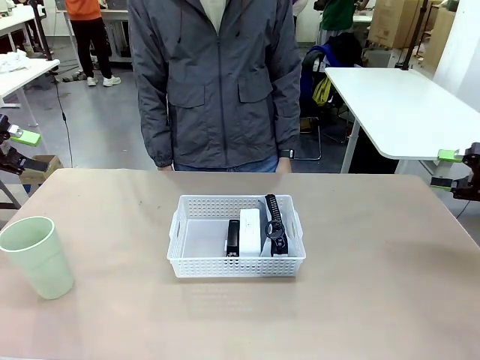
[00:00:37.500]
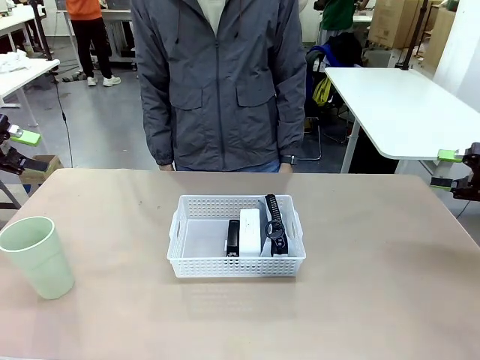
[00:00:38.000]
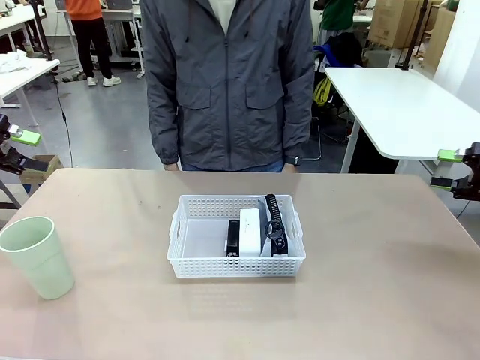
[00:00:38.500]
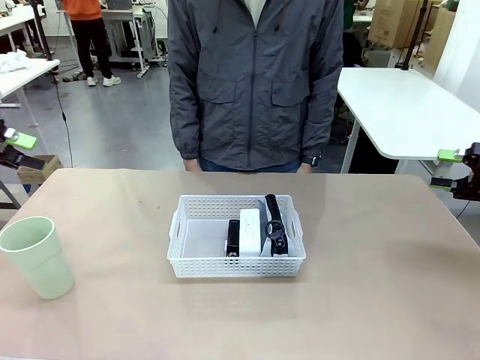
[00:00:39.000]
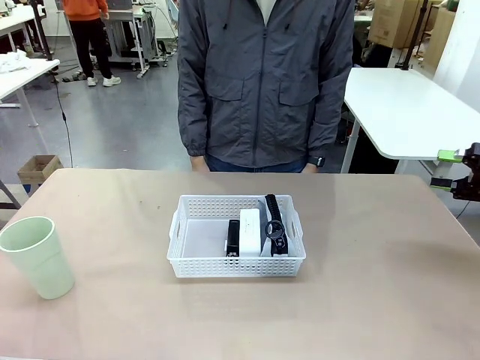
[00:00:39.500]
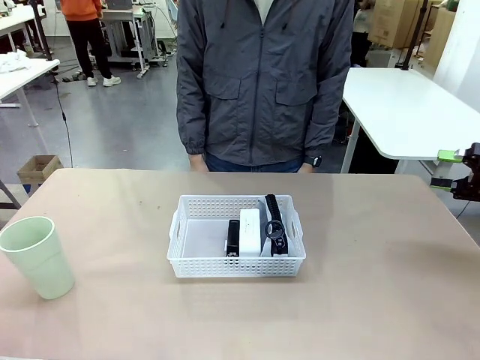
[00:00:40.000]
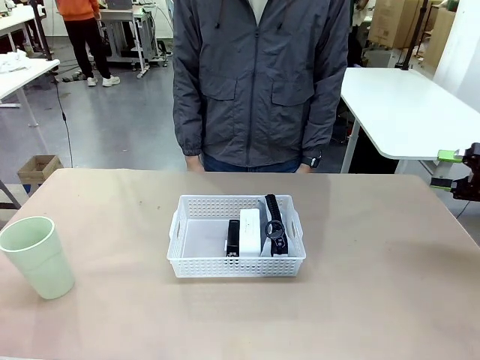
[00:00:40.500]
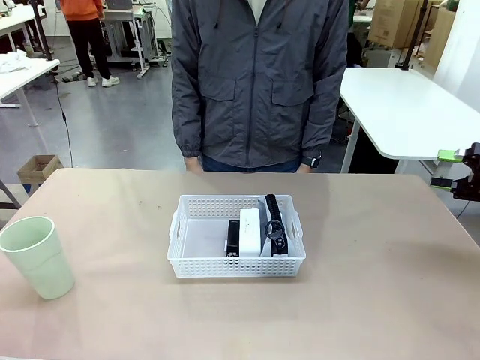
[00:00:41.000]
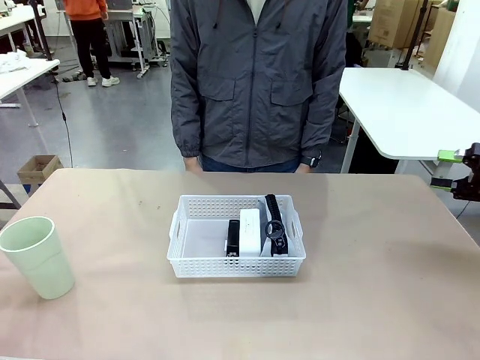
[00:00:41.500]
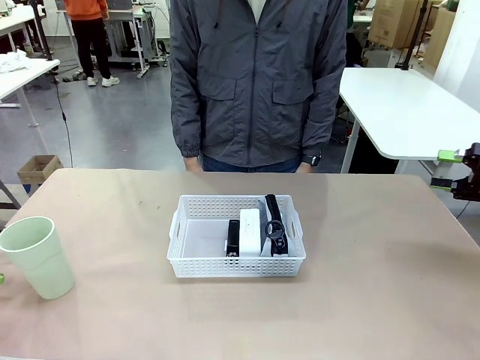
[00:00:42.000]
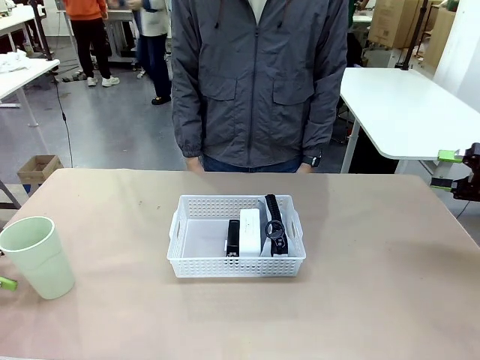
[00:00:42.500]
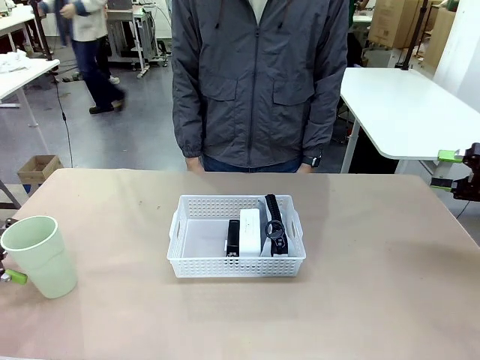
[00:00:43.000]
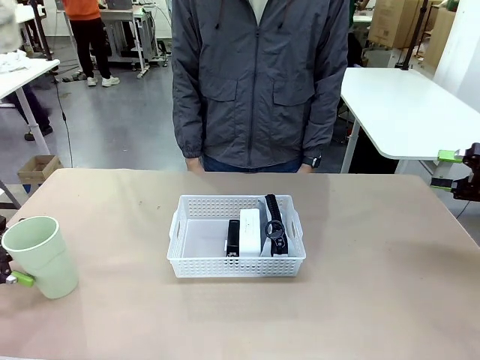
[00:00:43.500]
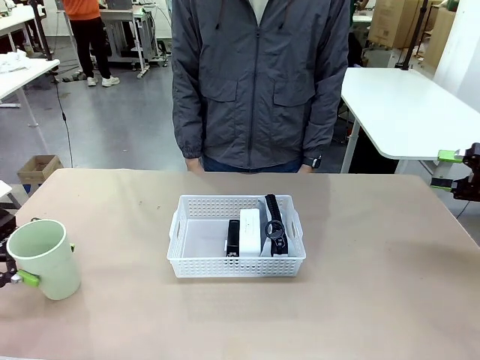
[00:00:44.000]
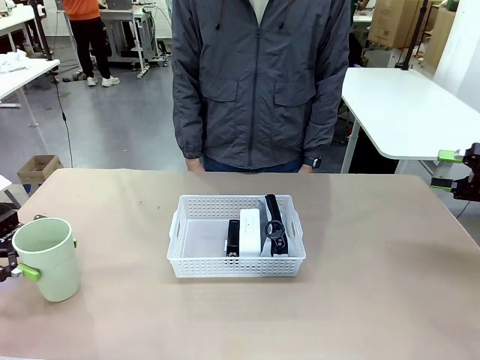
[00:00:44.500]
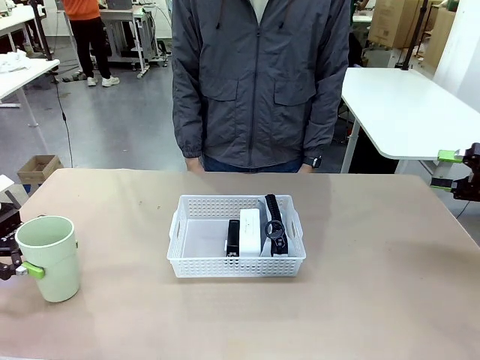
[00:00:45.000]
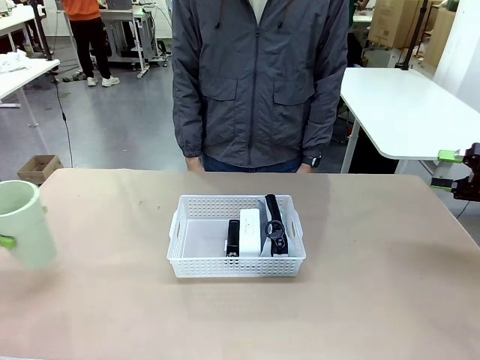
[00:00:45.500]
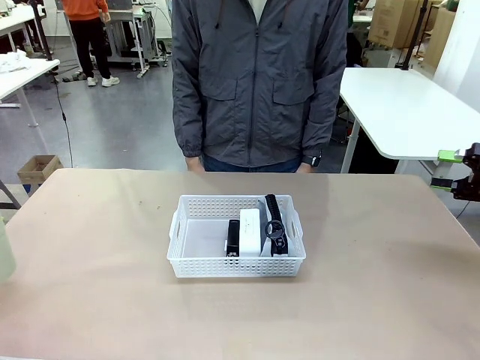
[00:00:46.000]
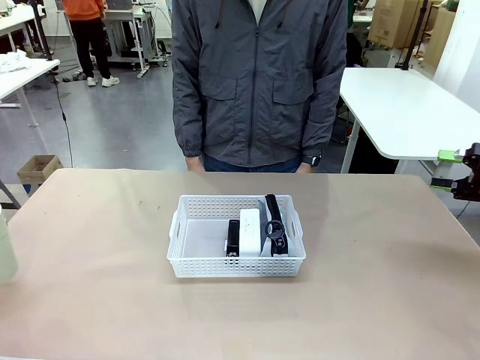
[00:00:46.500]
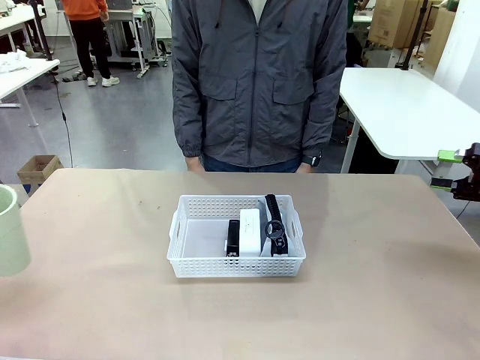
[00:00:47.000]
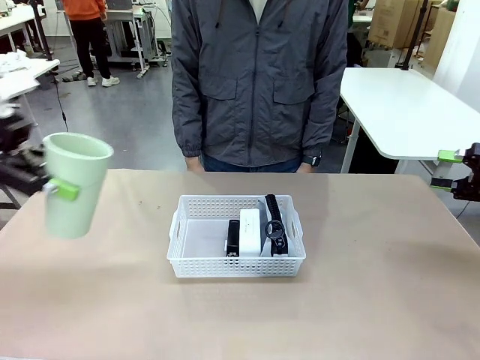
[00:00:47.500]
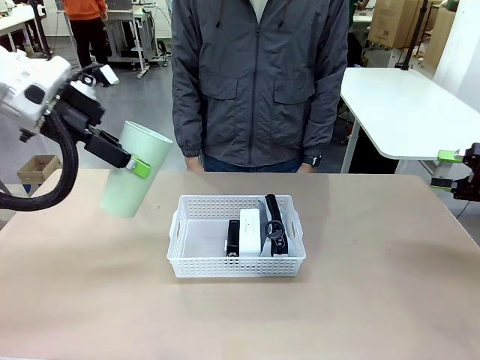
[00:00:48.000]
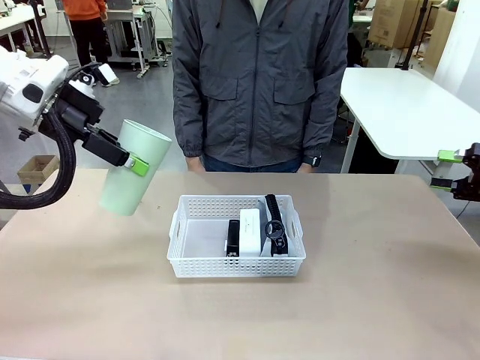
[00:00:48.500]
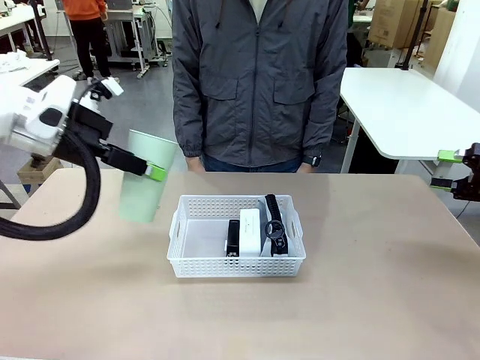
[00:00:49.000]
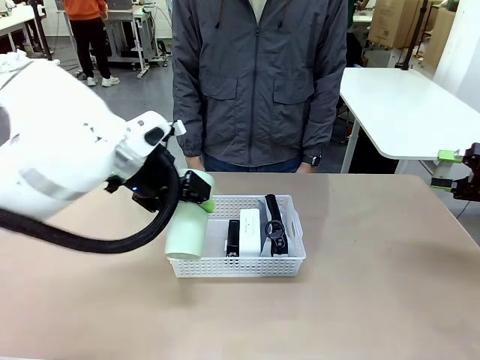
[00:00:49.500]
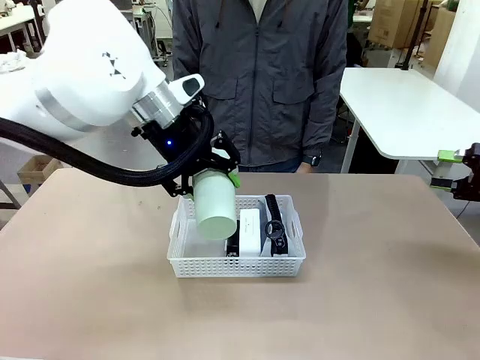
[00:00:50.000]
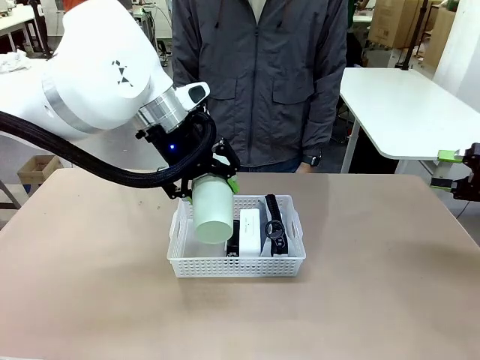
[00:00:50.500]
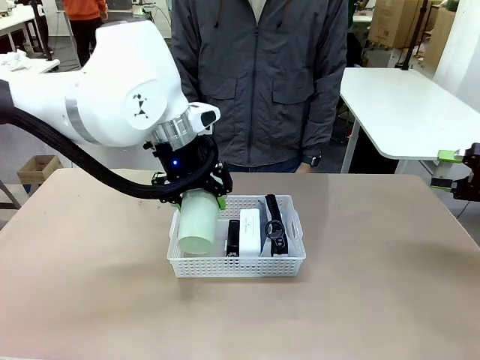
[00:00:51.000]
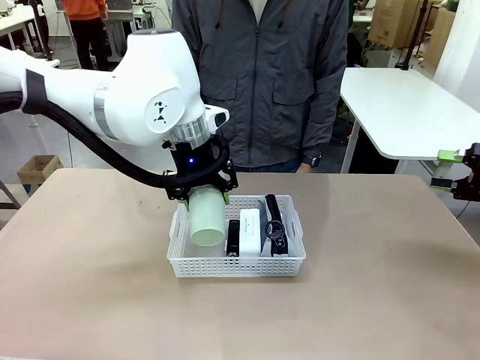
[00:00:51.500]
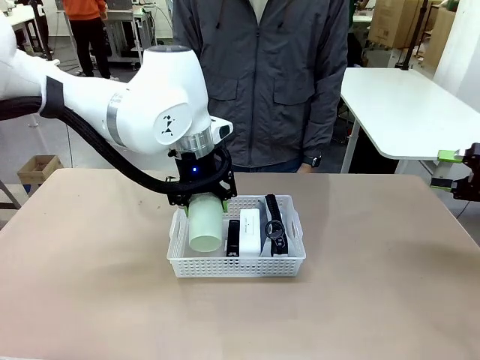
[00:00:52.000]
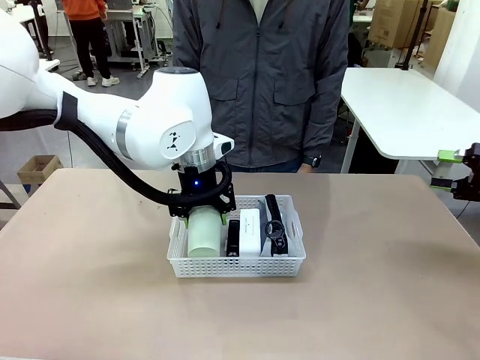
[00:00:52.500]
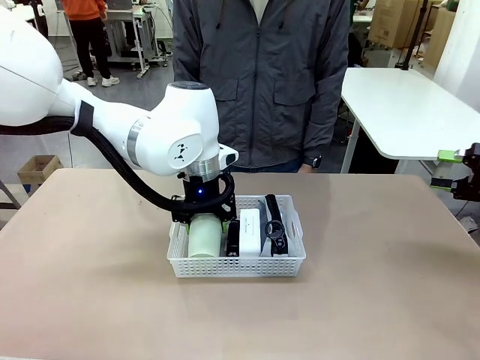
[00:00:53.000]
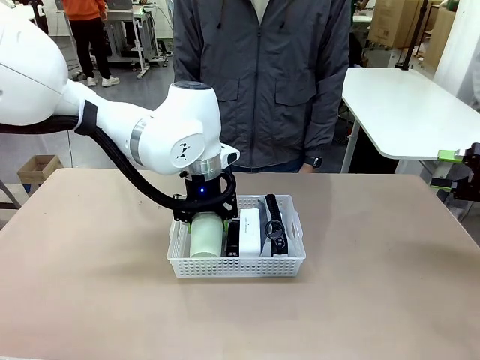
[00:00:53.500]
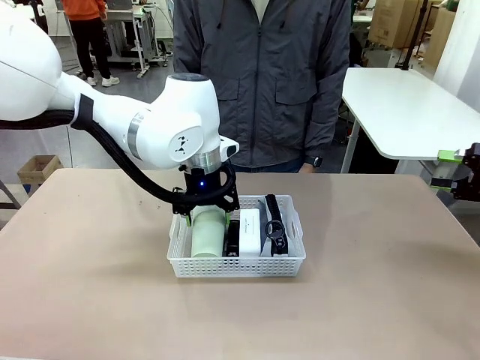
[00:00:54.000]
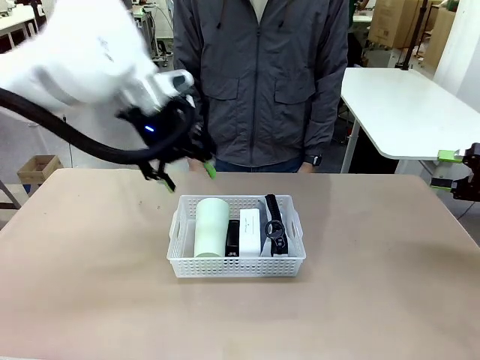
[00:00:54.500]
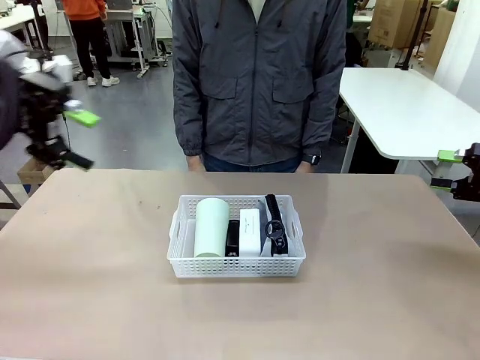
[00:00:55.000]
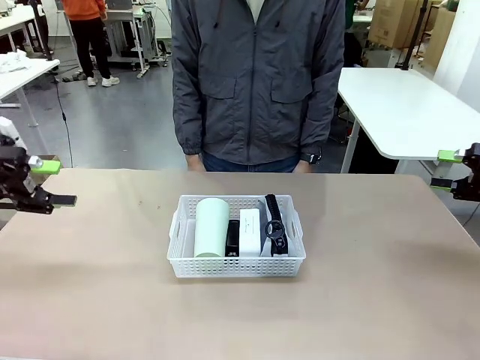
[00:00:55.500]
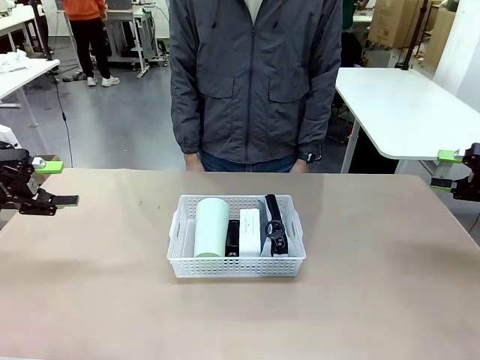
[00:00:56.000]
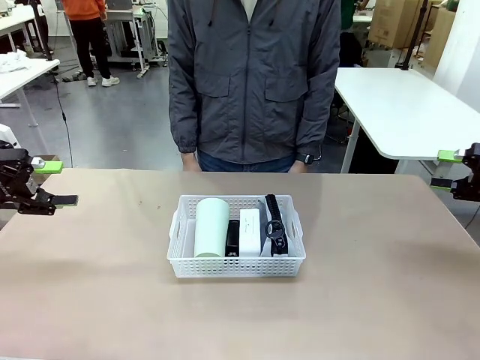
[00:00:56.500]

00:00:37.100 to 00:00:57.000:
Task: Efficiently arrange items inside the basket to fit them all.
Robot: Pick up the Reusable plastic cup and place it inside the Organizing basket.
Person: Repositions the stapler.
